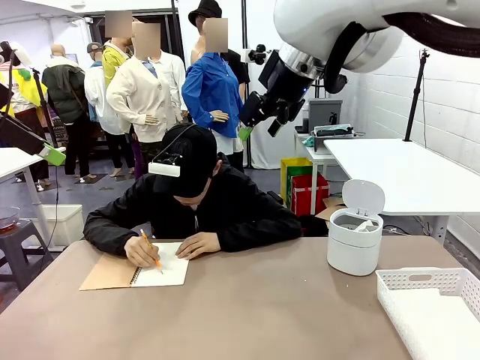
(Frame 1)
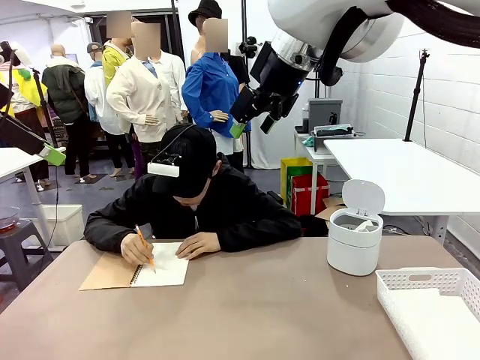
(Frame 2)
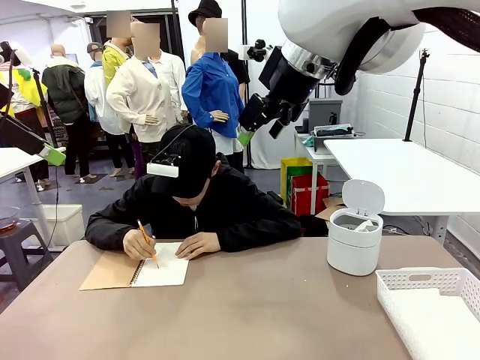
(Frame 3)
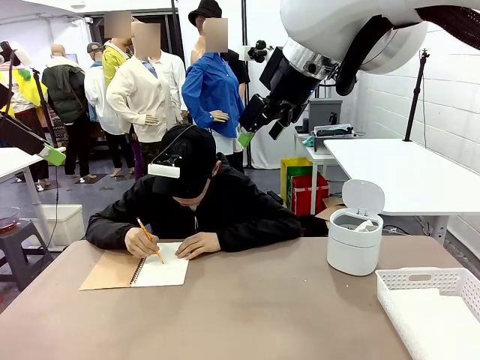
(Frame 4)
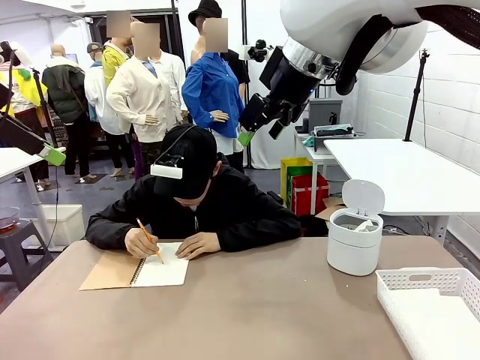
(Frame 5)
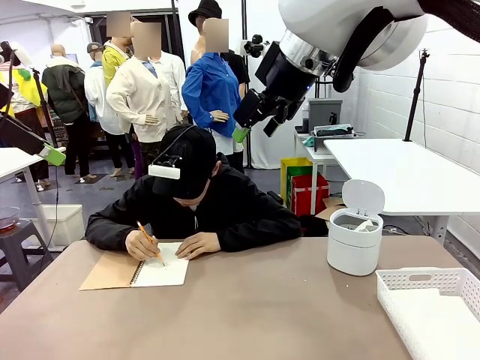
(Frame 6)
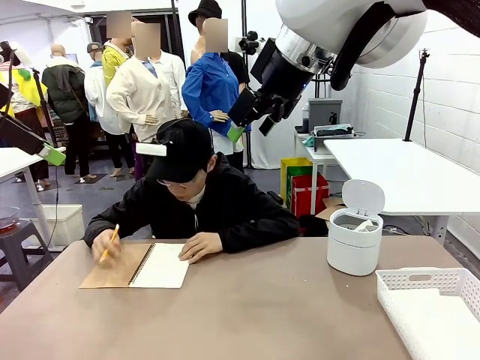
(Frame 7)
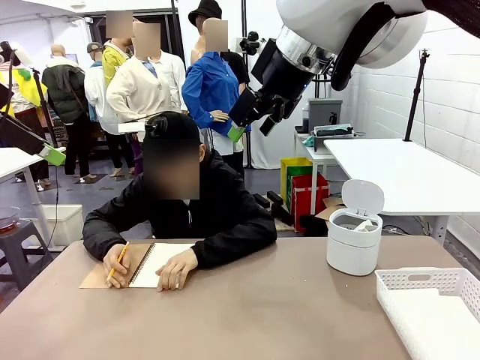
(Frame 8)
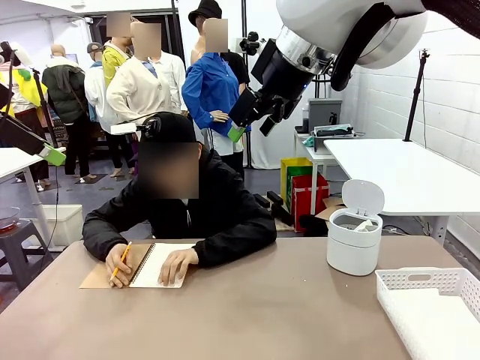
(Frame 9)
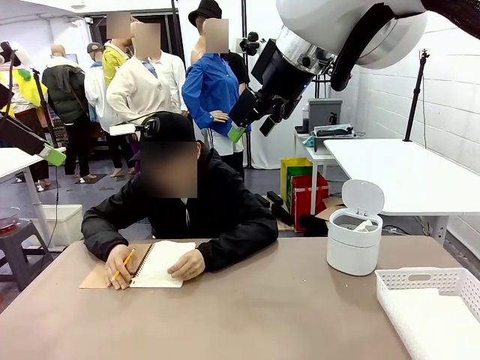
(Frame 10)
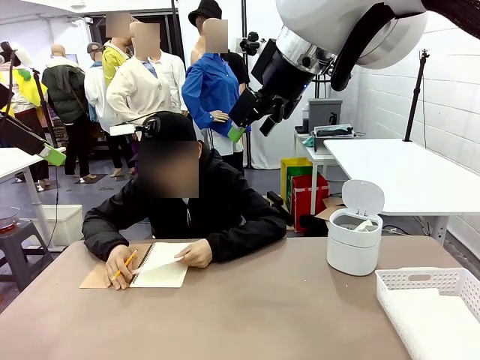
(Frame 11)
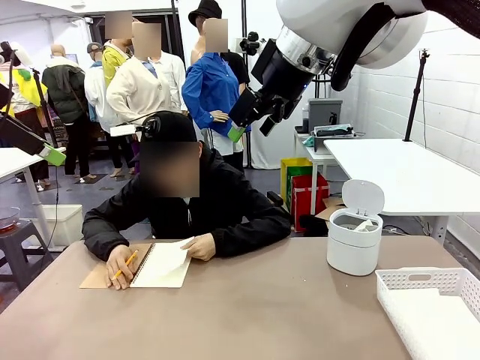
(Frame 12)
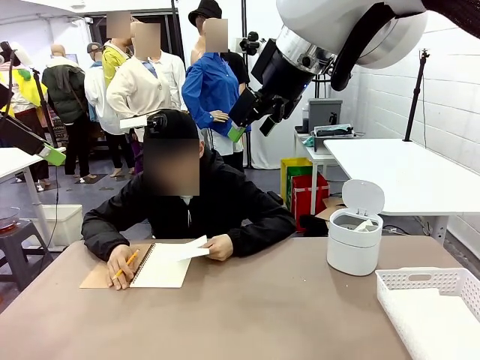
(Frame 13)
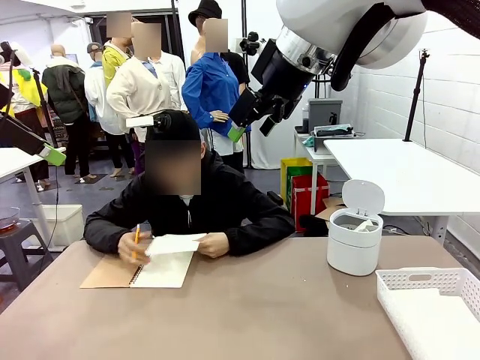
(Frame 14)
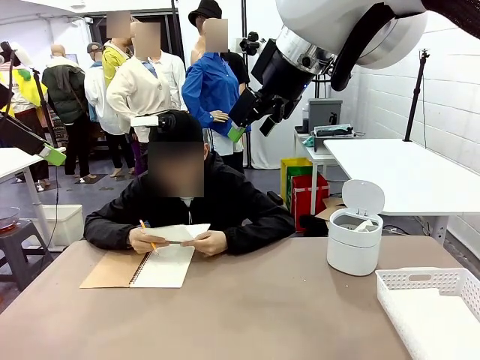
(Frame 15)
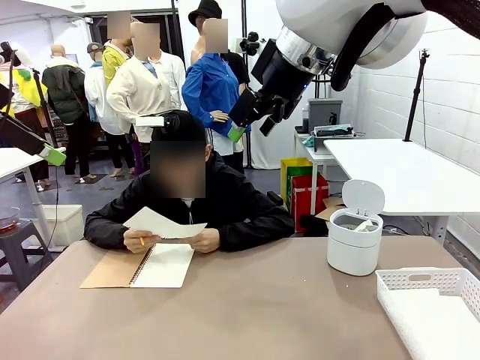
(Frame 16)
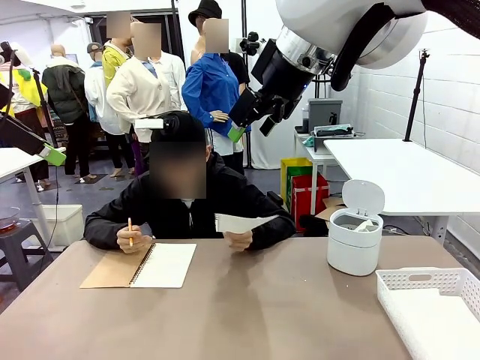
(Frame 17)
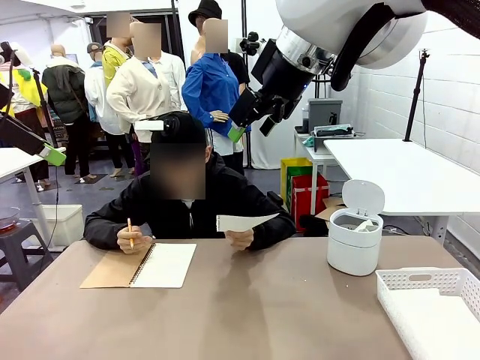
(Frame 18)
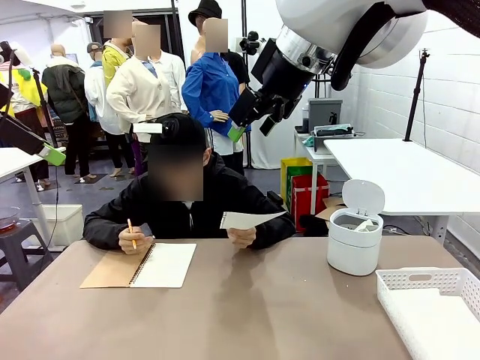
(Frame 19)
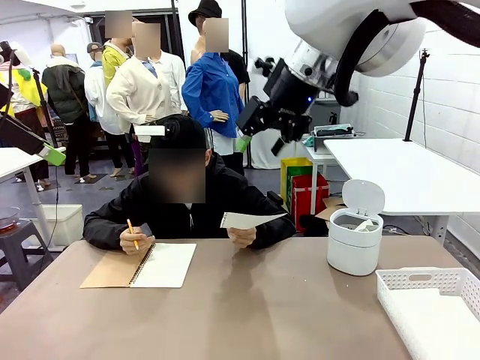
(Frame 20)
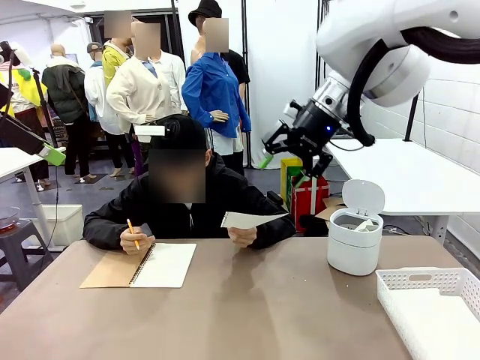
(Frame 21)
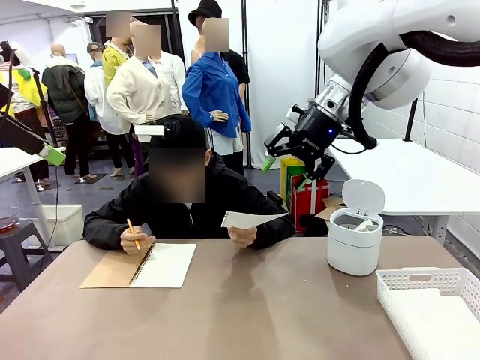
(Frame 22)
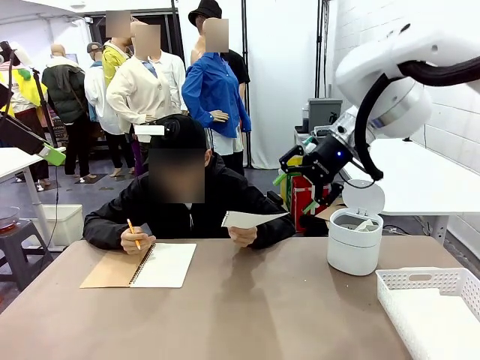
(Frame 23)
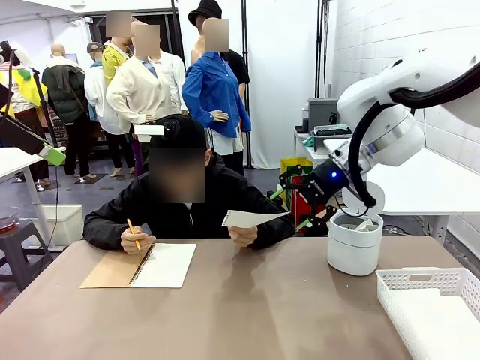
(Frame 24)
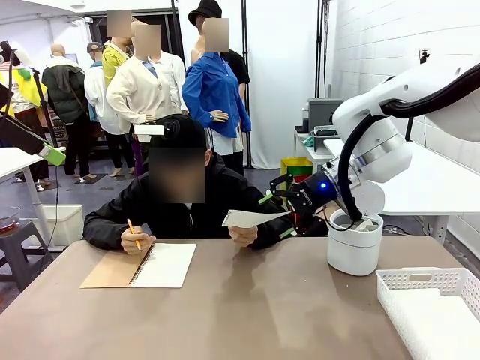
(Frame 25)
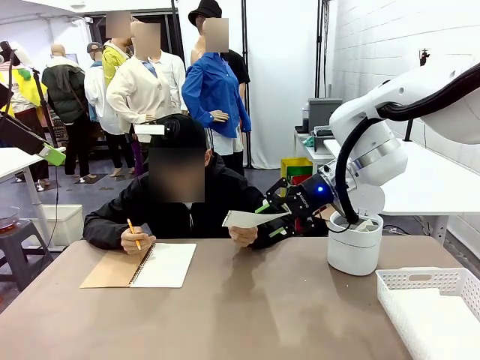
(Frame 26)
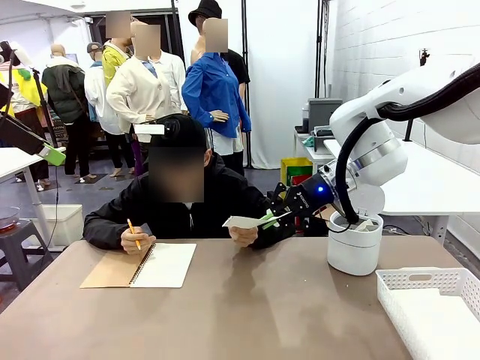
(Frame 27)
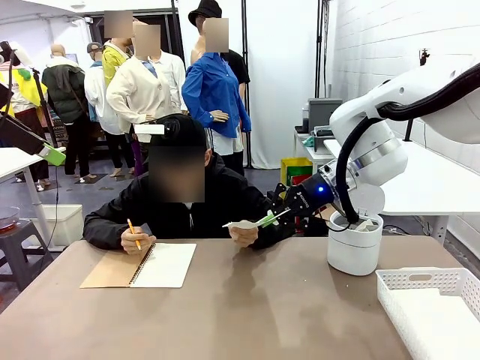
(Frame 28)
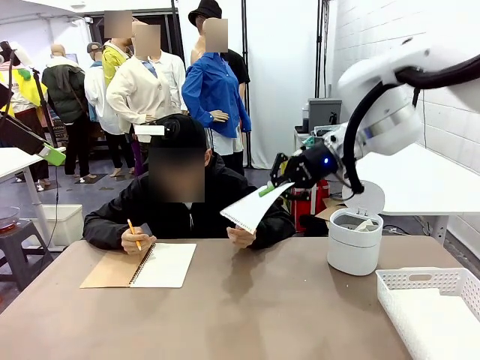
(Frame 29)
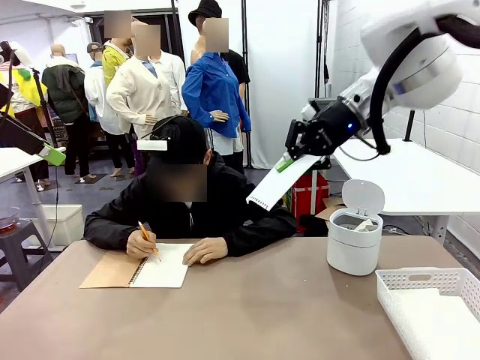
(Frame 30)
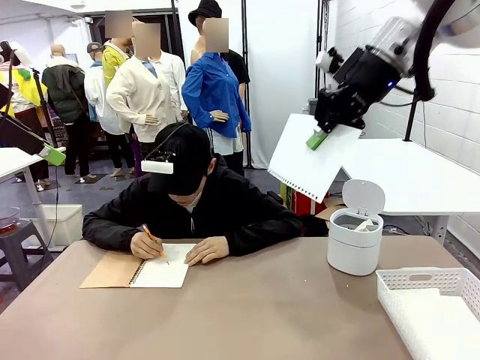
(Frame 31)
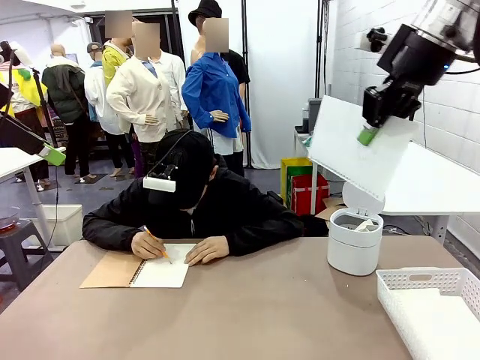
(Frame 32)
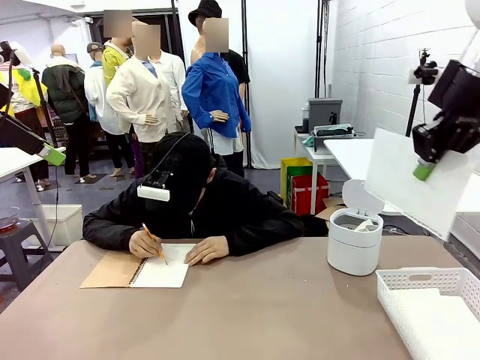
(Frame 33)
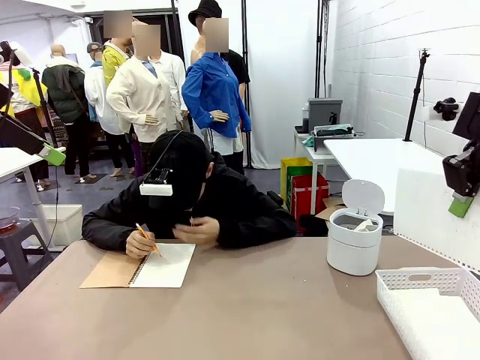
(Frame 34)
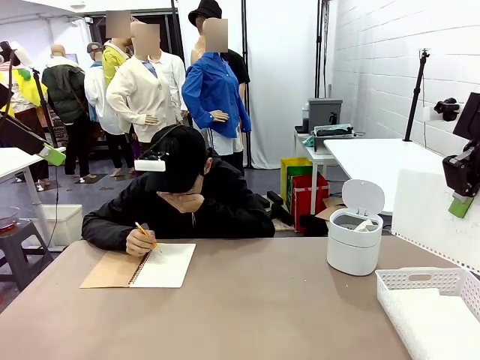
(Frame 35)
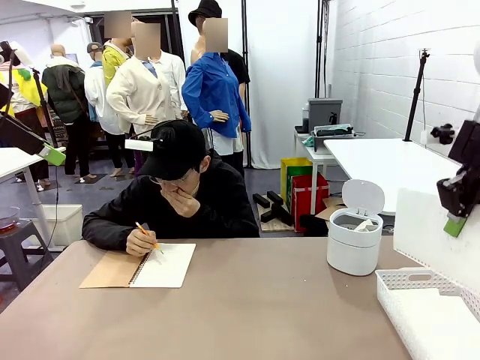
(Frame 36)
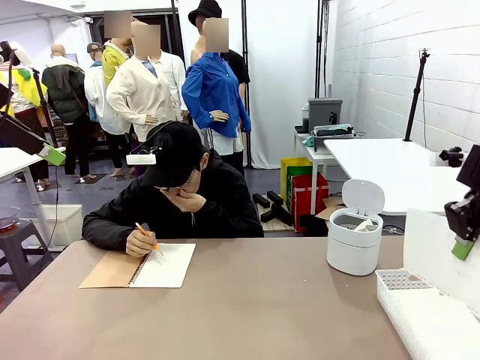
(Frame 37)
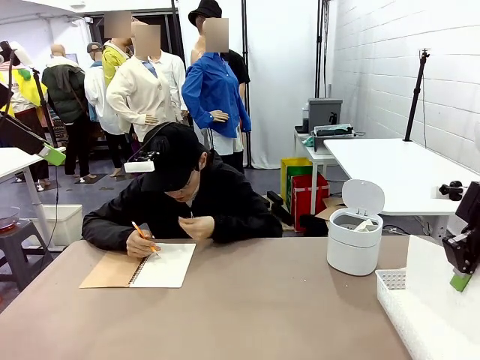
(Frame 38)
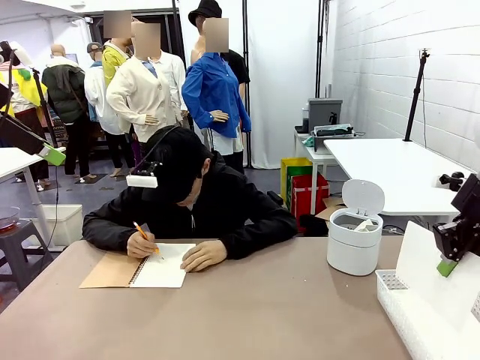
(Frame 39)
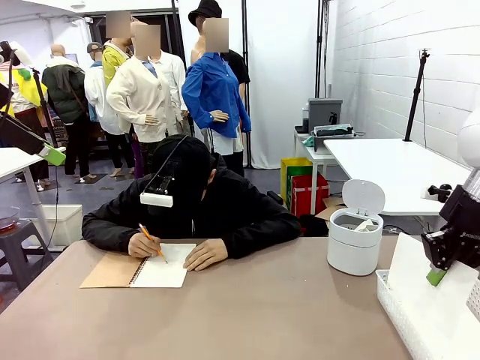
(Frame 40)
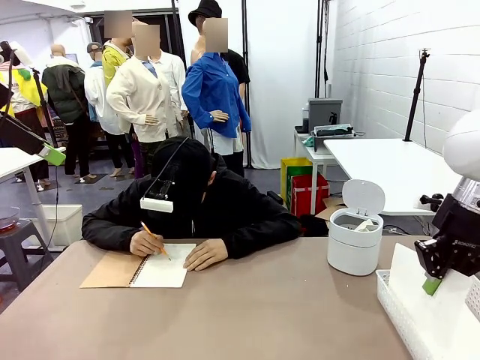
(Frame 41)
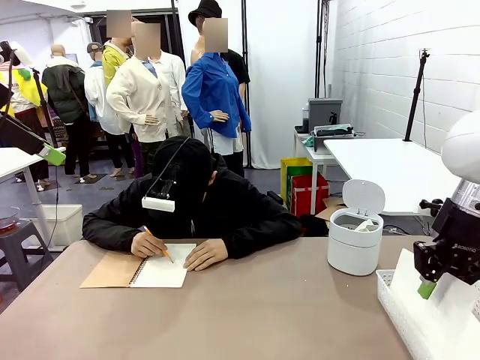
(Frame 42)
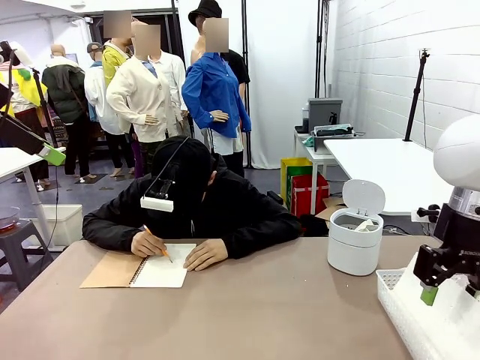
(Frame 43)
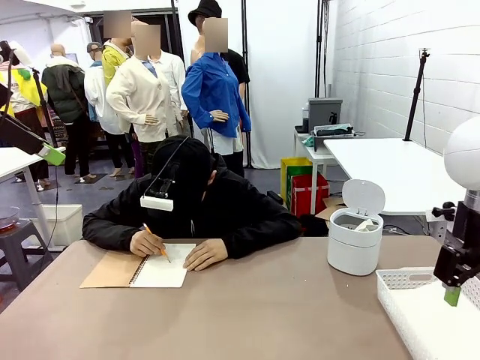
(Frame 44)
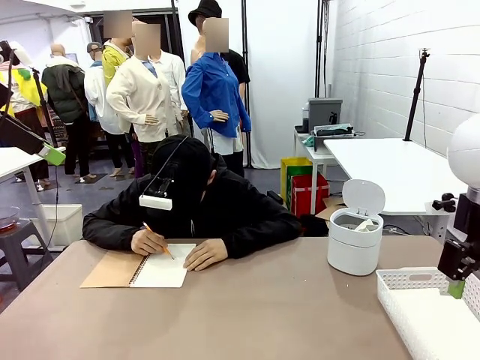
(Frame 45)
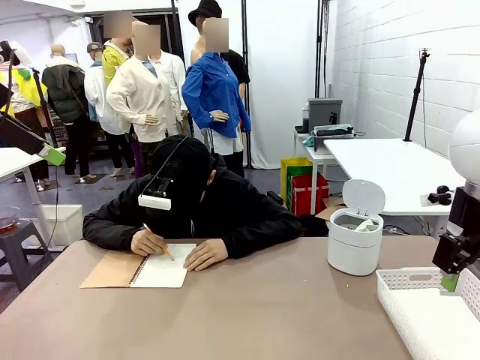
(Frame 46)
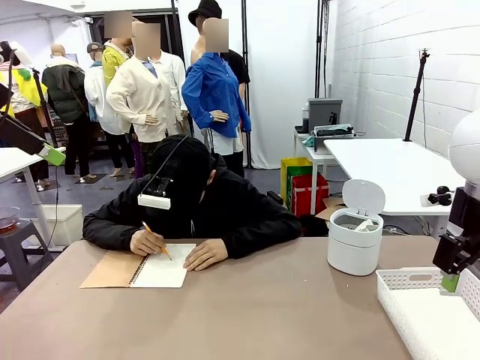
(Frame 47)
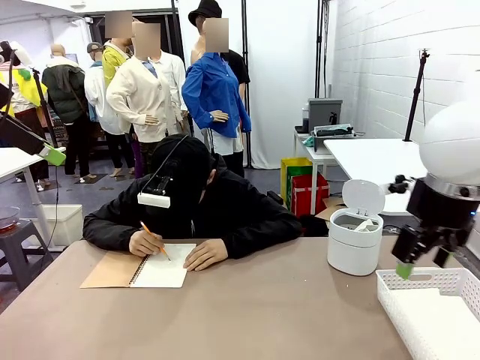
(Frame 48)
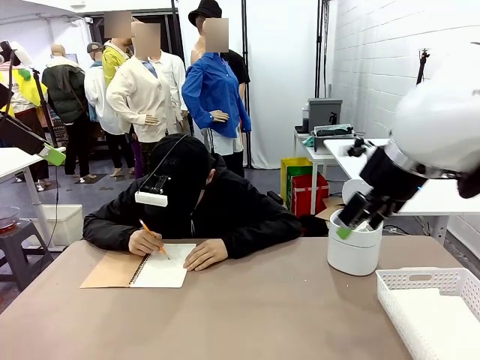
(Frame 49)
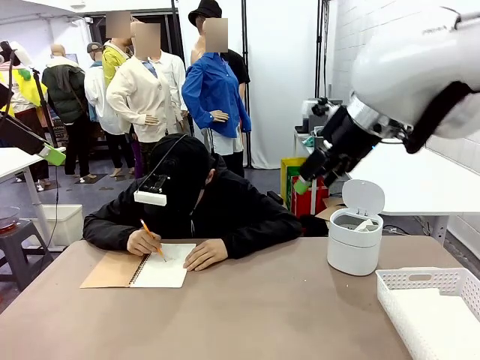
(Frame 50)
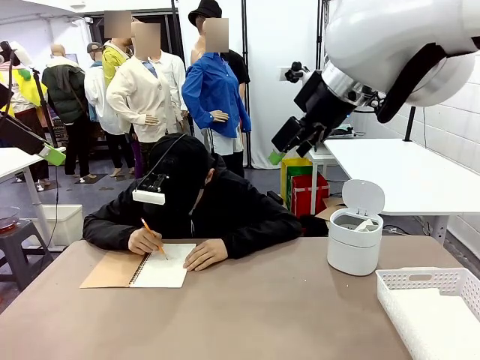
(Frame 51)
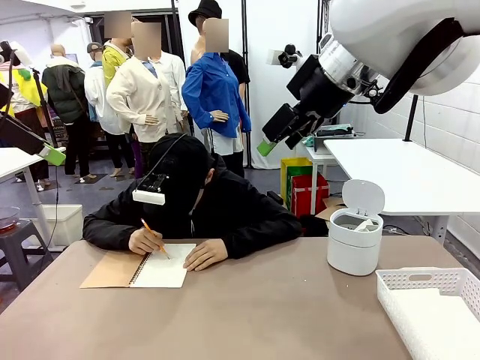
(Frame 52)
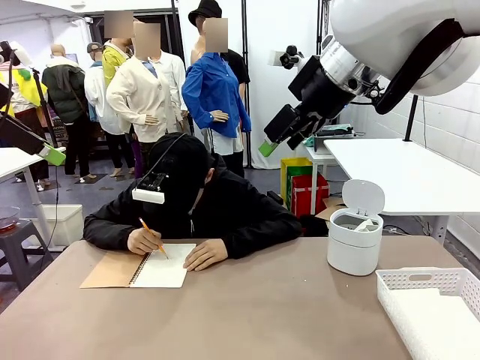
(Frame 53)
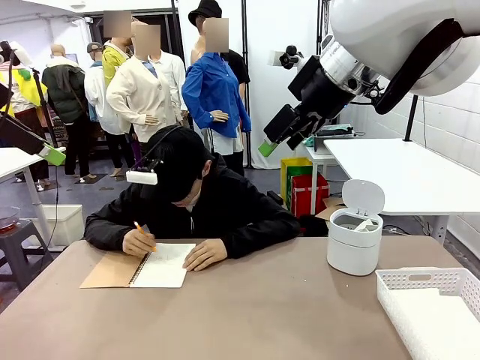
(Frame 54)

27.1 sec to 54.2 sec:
Task: Sort the paper based on its condition.
Robot: If a person hands you a paper, place it in the Organizing basket , and if it's crumpled, put it in the Trash can.
Person: Hand the torn page to the robot or crumple it and throw it to the center of the table. Tear out a page from the spiral notebook.
